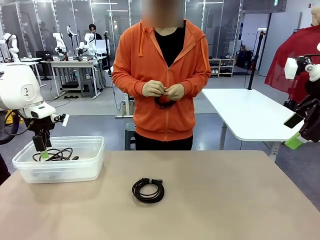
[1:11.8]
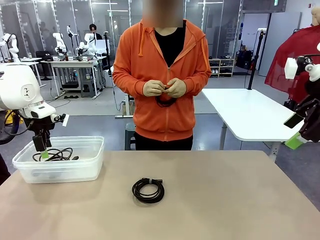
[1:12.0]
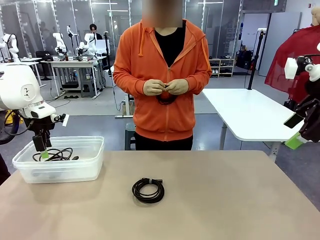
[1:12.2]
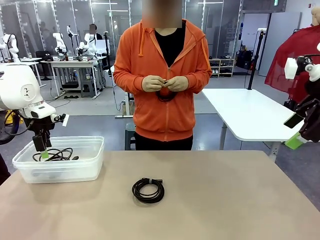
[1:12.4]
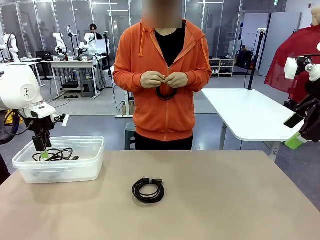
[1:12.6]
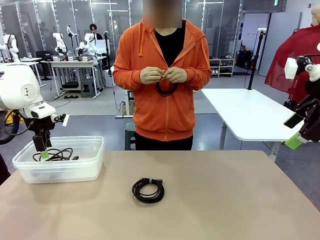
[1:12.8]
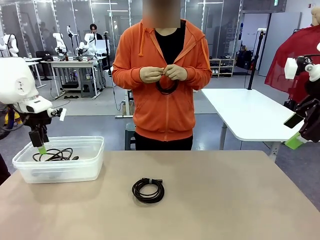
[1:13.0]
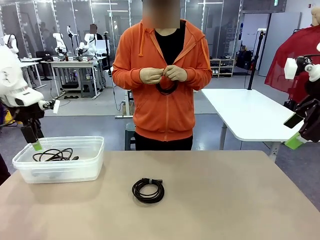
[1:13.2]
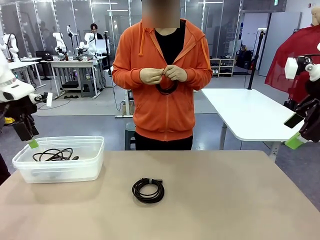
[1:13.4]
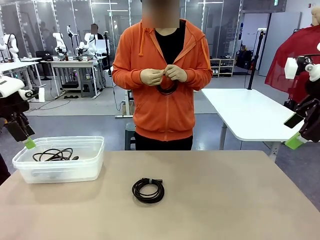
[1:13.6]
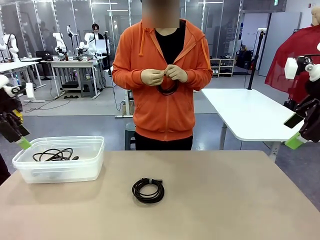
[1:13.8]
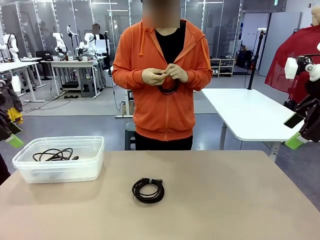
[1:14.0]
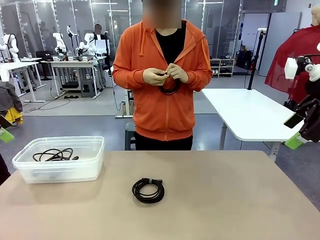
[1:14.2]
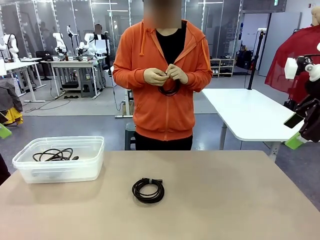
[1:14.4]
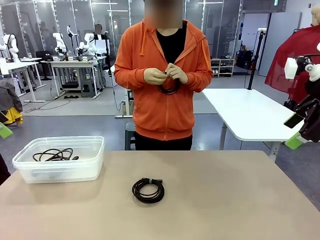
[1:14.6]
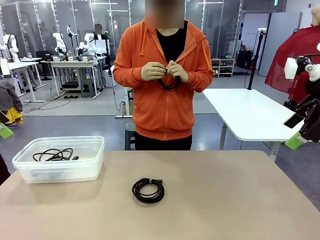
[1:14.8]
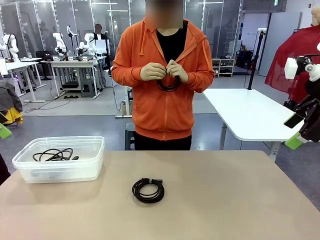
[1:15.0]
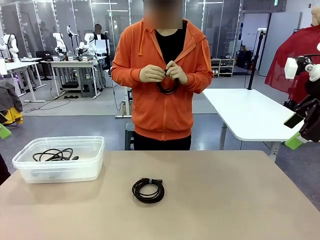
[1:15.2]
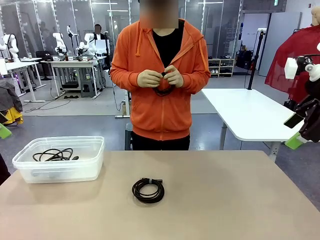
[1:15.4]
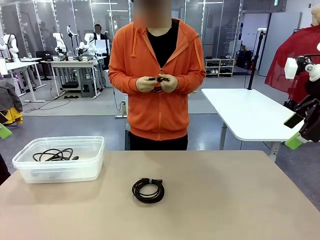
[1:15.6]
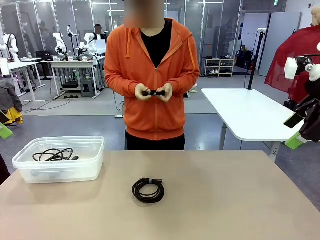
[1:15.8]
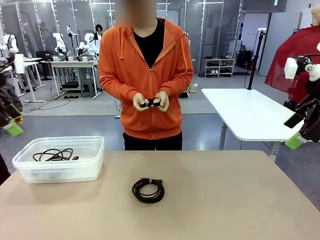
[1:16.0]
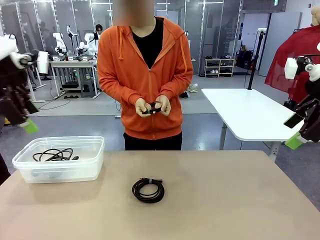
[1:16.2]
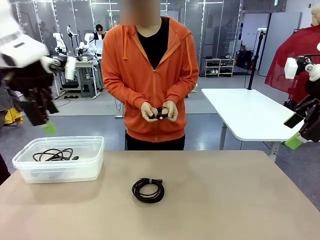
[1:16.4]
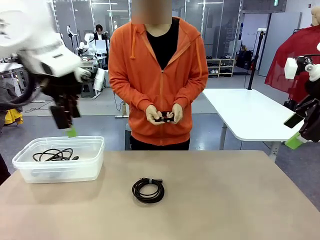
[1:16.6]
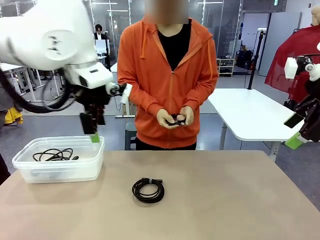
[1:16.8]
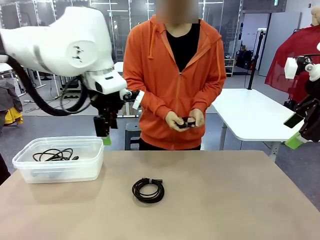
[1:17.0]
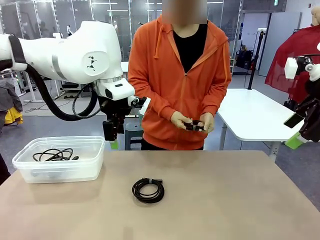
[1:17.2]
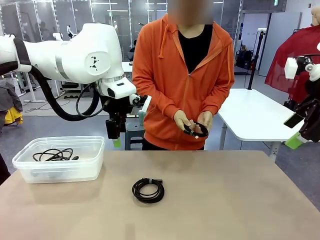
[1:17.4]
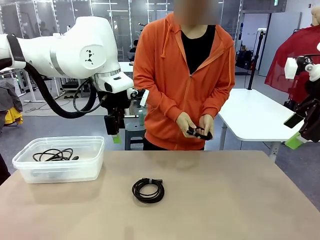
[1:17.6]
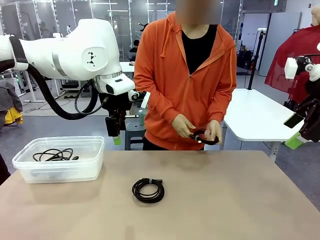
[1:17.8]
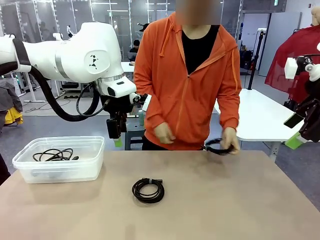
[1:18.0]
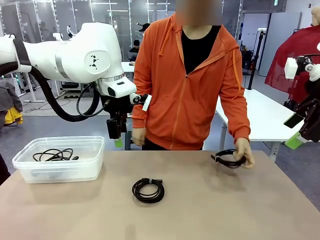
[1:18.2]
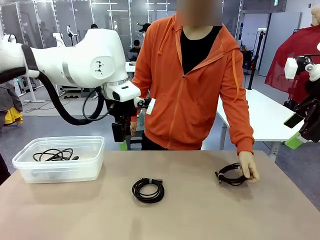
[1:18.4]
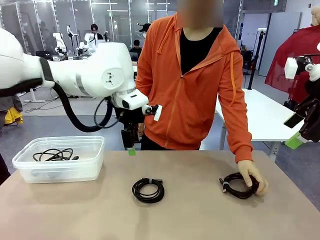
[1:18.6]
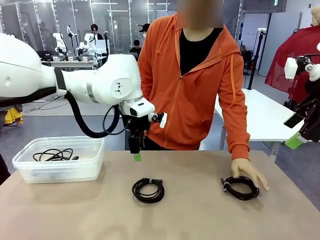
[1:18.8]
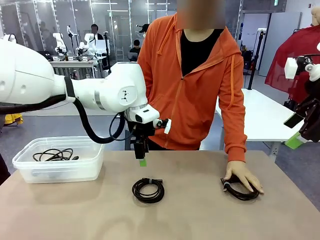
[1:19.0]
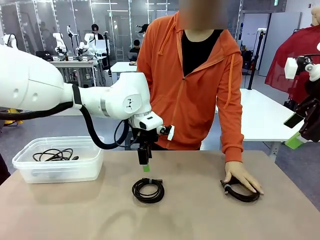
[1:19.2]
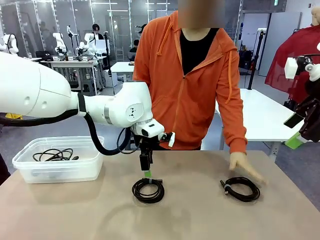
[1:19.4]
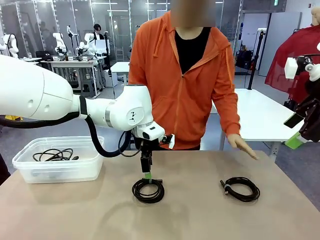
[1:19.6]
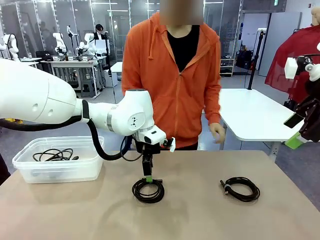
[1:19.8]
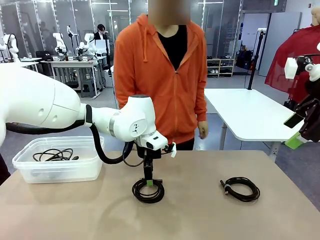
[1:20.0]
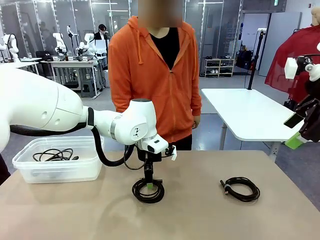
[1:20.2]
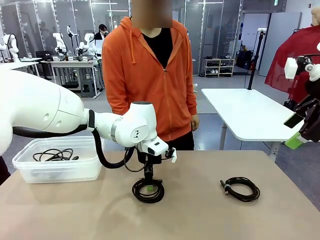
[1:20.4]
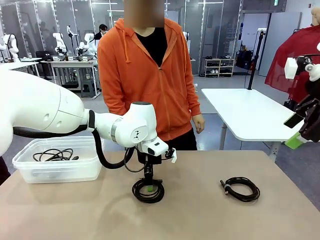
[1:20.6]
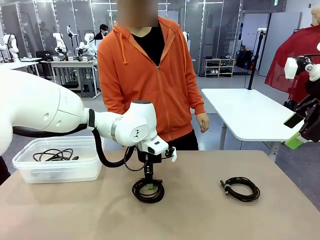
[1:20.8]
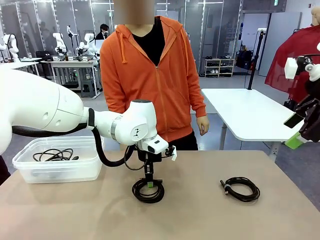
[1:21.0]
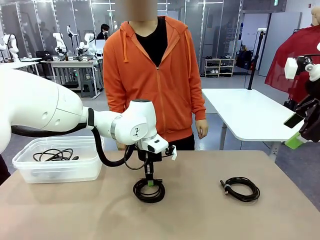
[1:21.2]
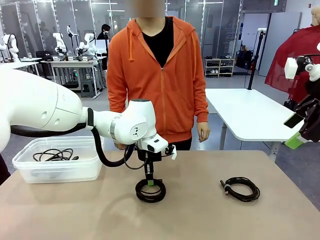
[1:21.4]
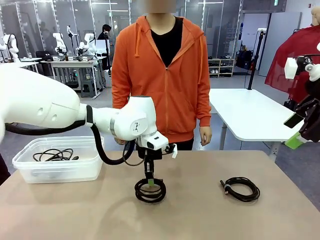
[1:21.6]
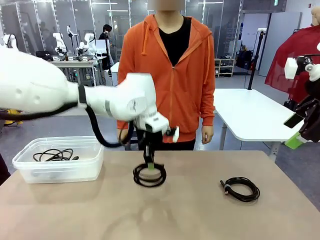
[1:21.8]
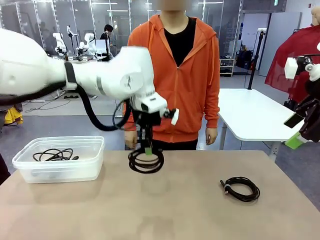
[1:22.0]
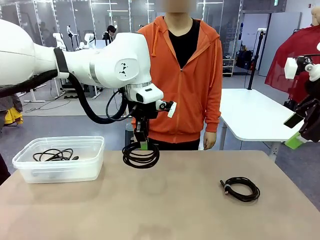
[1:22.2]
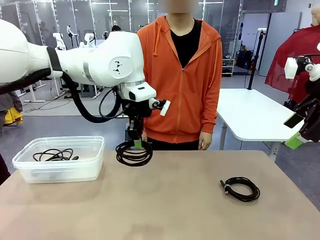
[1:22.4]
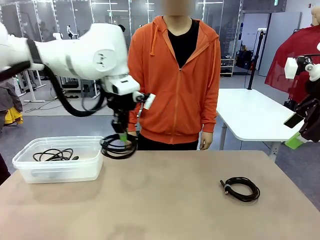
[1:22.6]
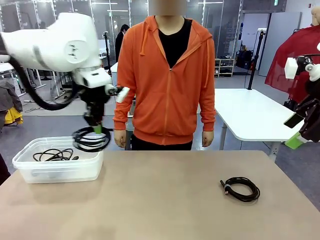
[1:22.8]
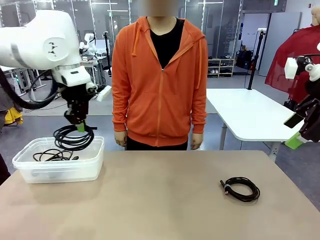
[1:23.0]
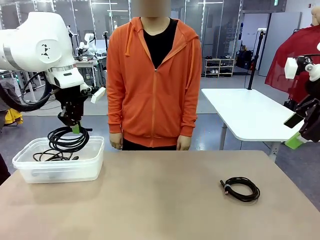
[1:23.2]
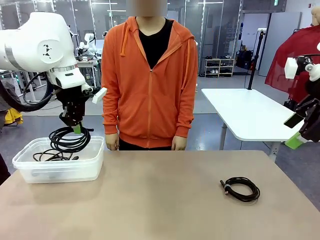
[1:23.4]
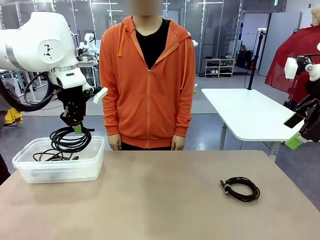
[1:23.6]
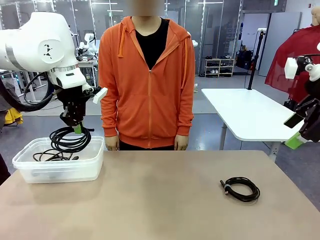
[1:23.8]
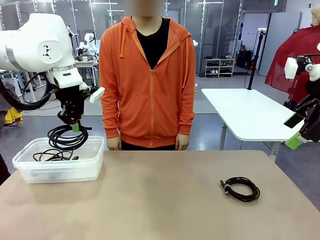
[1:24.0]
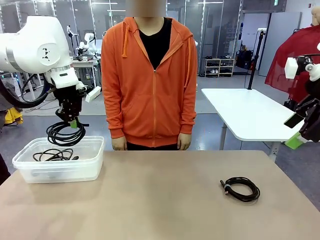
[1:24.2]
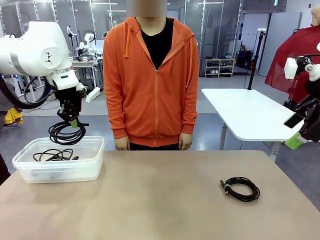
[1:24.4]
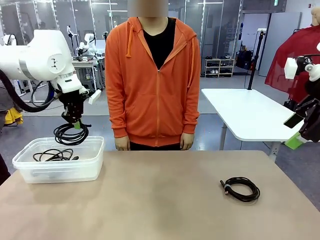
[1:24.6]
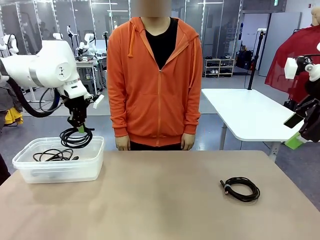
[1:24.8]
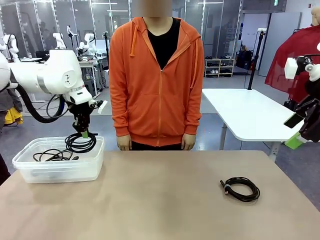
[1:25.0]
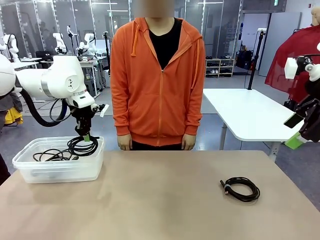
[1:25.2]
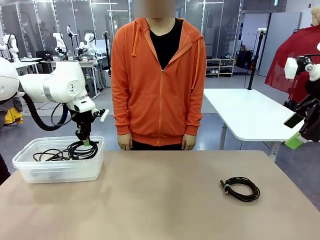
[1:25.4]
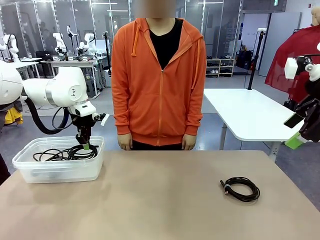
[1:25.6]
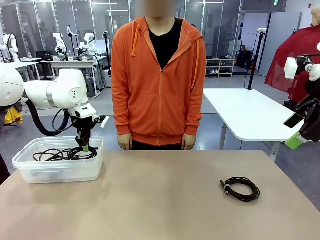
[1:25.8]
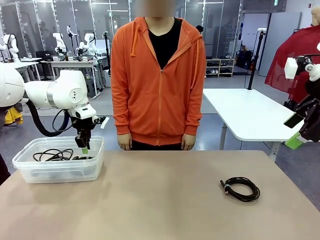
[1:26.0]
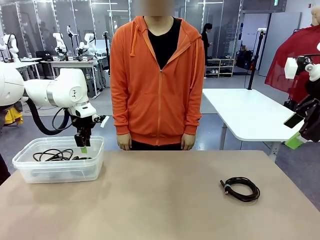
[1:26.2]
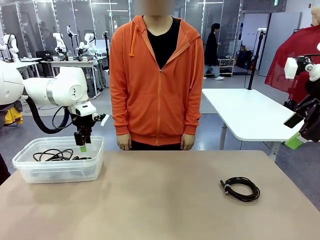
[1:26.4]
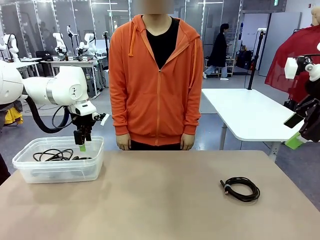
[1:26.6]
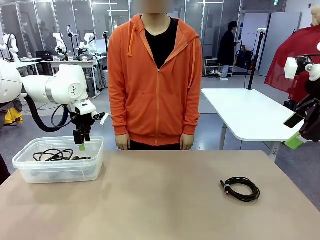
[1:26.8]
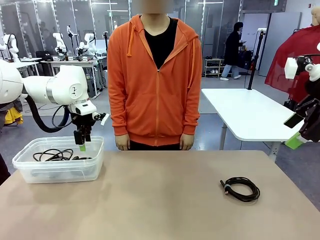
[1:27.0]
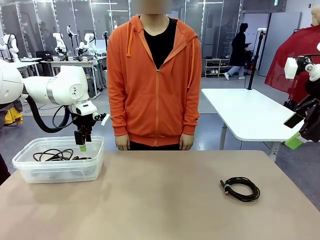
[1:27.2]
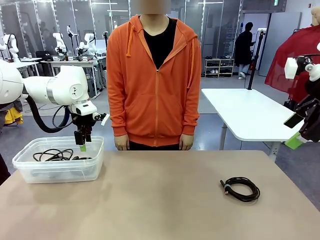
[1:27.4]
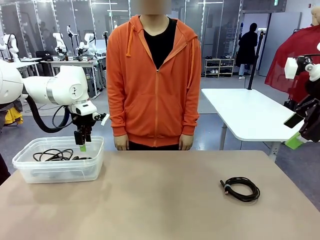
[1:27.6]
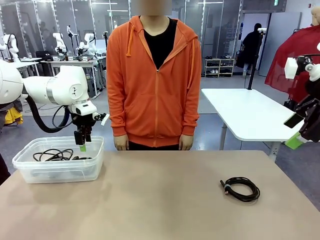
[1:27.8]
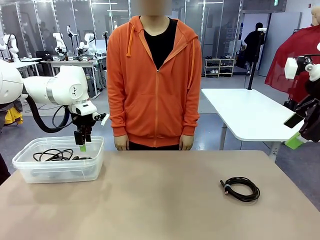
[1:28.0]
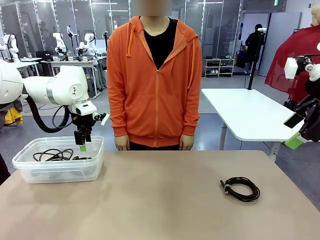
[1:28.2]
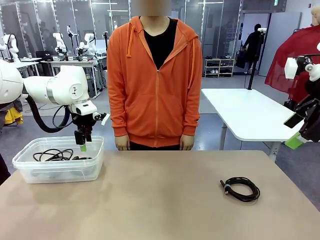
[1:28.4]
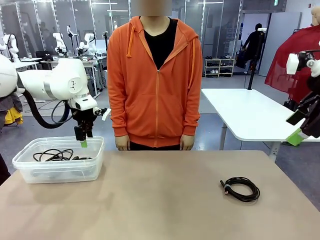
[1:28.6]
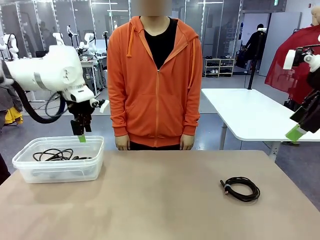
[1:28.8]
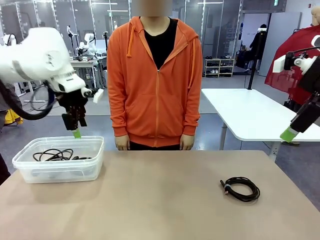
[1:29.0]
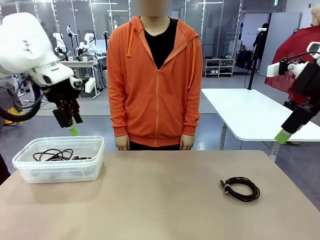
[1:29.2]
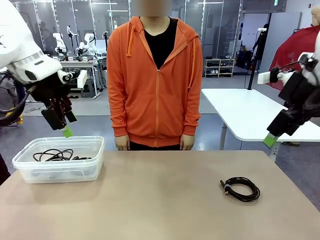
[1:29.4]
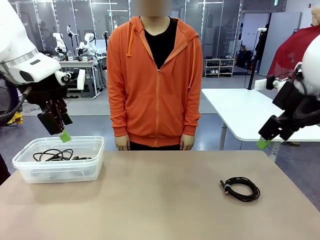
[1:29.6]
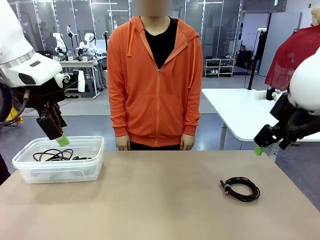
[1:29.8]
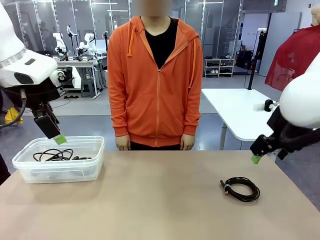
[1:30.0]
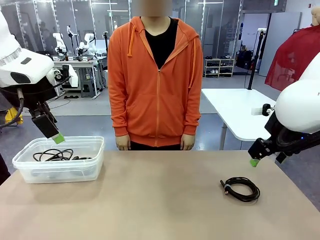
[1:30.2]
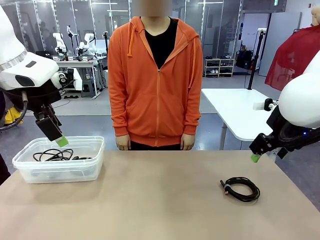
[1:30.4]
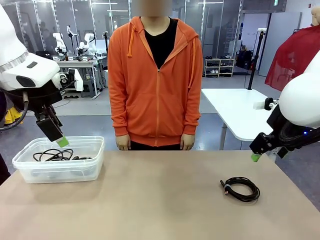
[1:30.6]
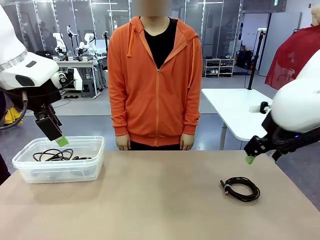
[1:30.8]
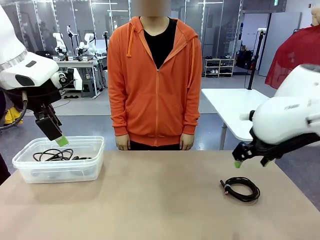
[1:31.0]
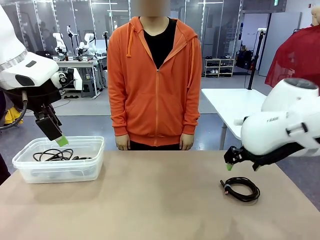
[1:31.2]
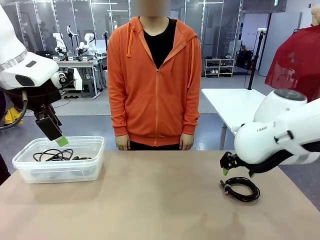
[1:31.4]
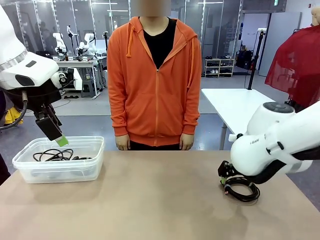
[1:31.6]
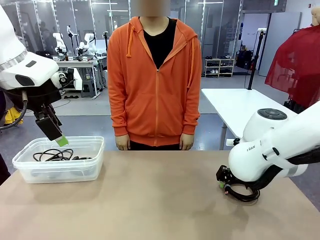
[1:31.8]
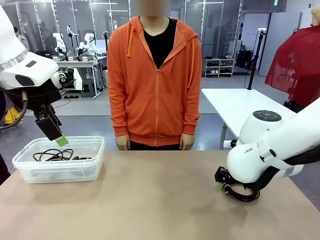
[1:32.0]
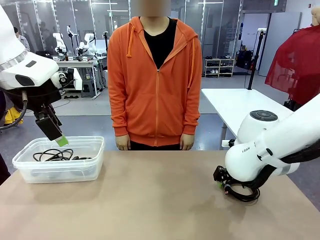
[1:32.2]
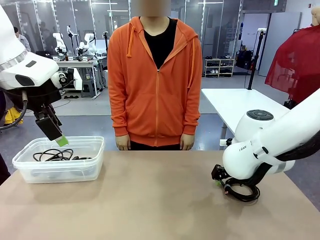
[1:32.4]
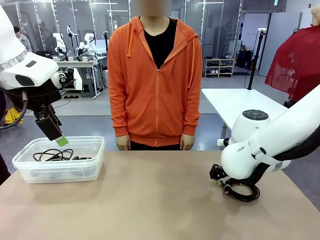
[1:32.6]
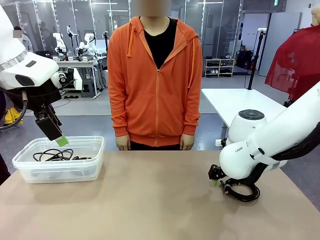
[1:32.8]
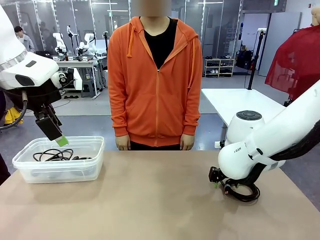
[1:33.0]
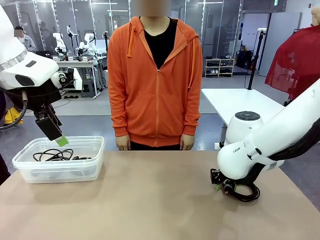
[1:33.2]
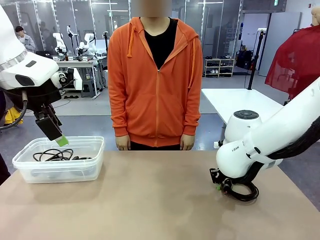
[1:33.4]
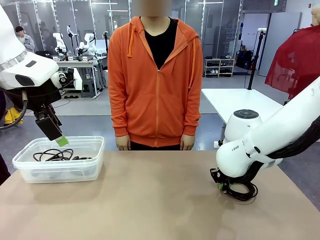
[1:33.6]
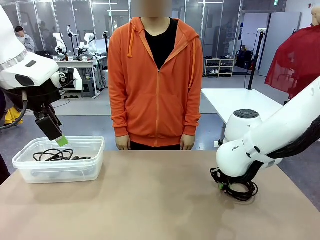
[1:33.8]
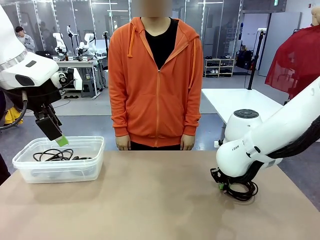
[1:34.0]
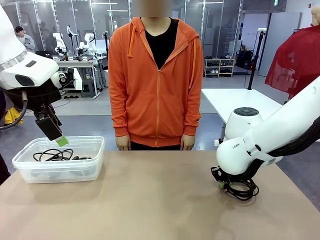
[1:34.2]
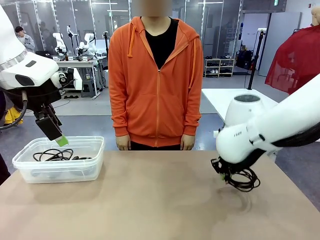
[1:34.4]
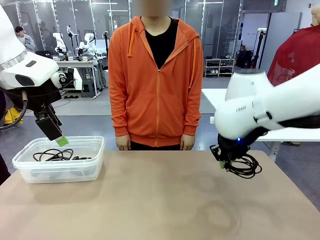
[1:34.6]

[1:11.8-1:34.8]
Task: Organize and store the cables.
Robot: Place the USB Extension Cable into the Organizing box.
